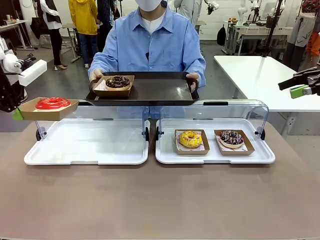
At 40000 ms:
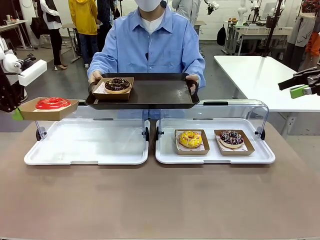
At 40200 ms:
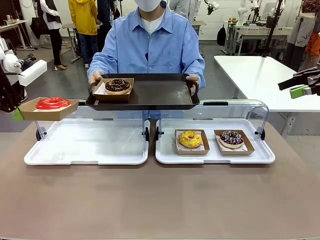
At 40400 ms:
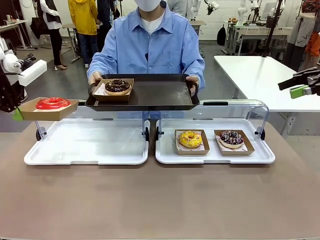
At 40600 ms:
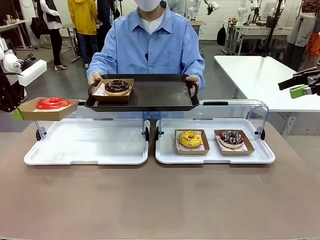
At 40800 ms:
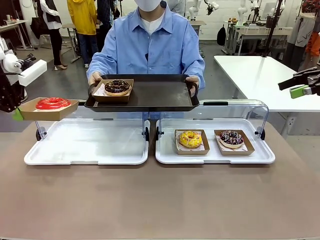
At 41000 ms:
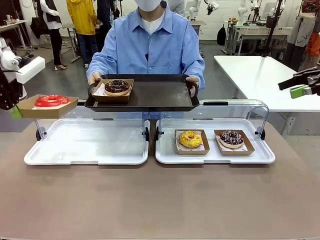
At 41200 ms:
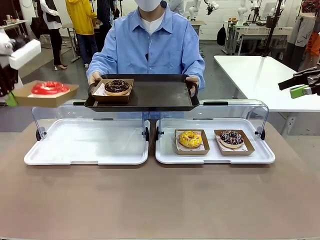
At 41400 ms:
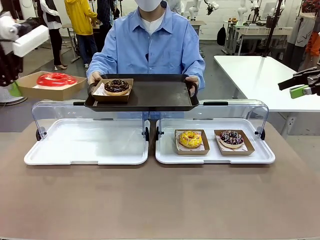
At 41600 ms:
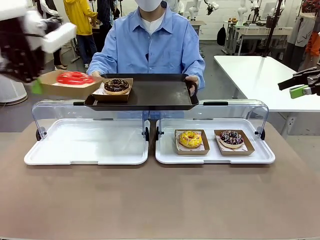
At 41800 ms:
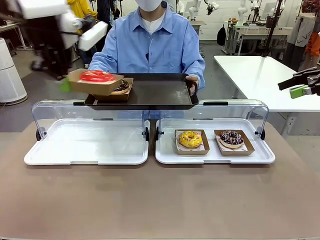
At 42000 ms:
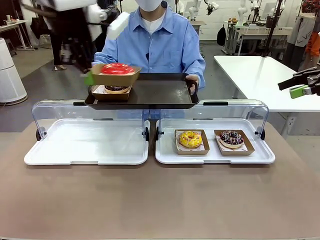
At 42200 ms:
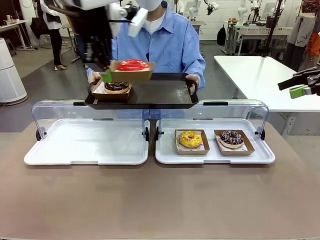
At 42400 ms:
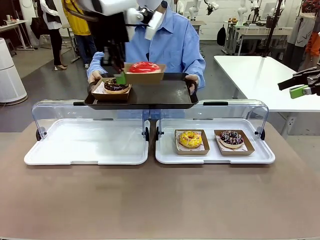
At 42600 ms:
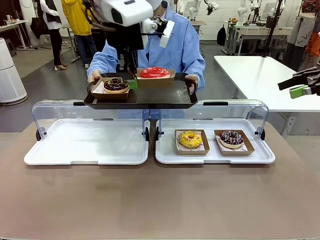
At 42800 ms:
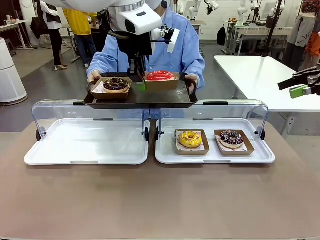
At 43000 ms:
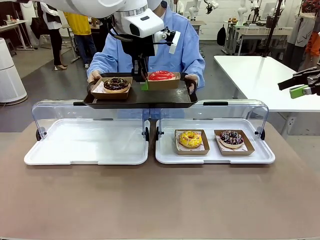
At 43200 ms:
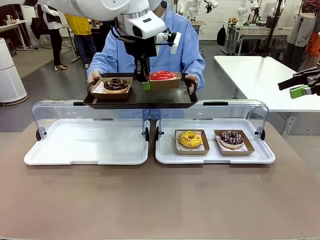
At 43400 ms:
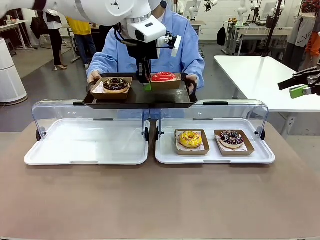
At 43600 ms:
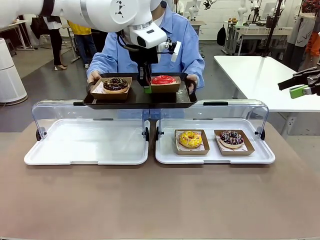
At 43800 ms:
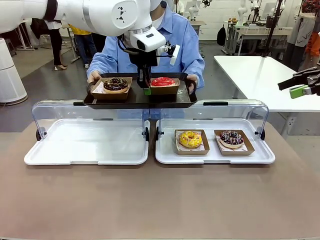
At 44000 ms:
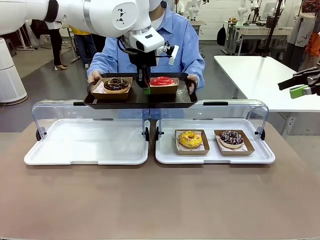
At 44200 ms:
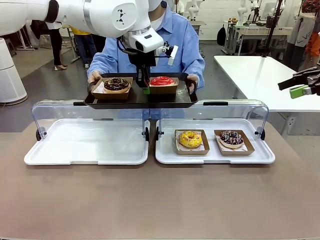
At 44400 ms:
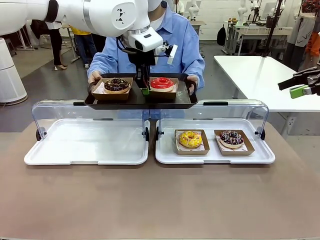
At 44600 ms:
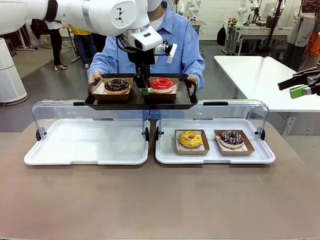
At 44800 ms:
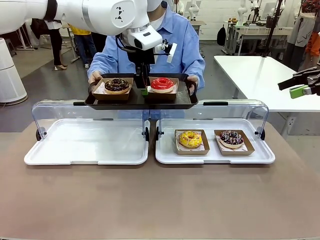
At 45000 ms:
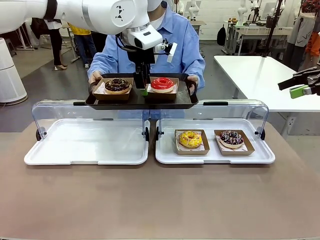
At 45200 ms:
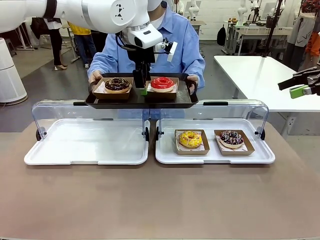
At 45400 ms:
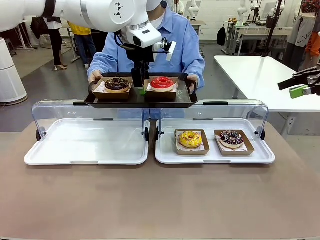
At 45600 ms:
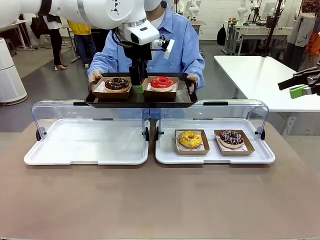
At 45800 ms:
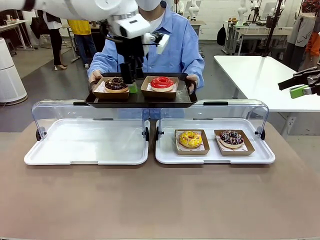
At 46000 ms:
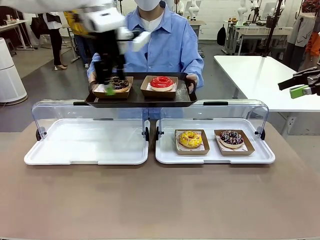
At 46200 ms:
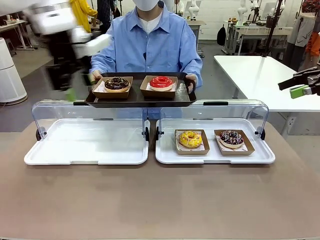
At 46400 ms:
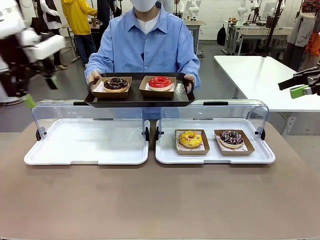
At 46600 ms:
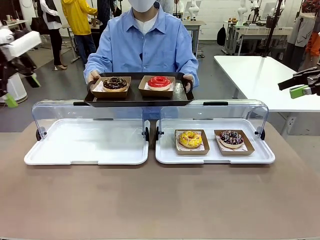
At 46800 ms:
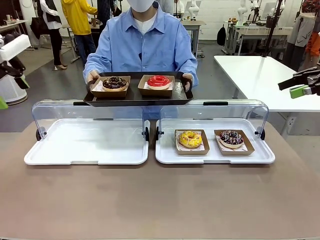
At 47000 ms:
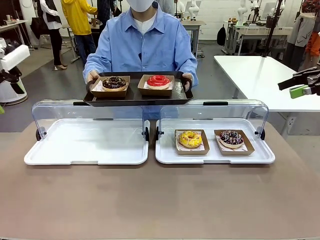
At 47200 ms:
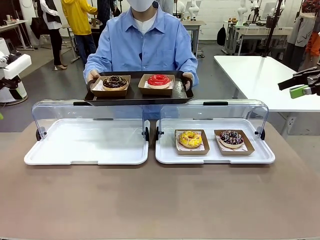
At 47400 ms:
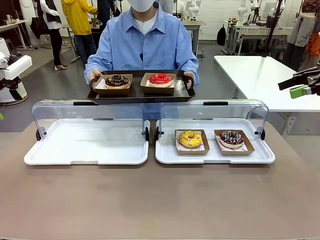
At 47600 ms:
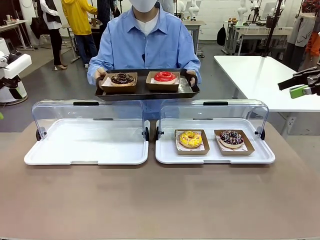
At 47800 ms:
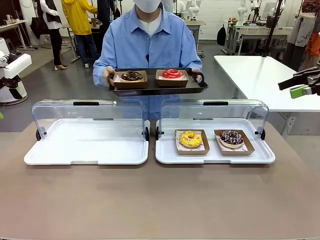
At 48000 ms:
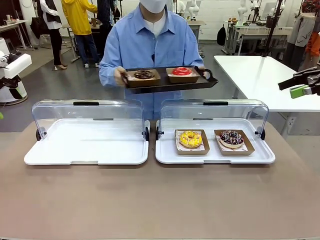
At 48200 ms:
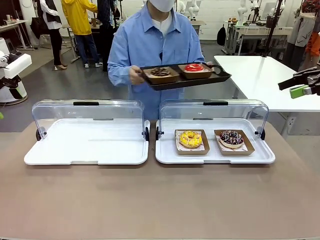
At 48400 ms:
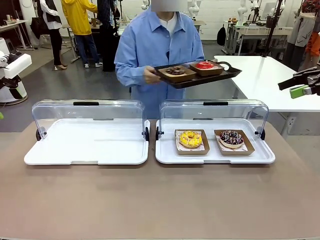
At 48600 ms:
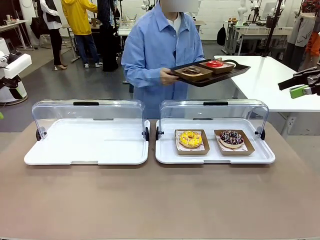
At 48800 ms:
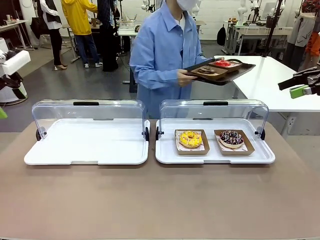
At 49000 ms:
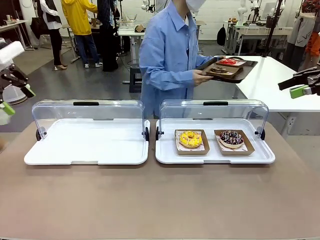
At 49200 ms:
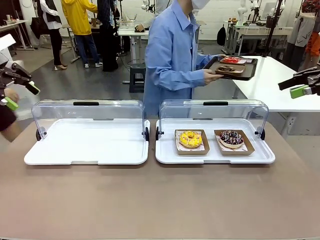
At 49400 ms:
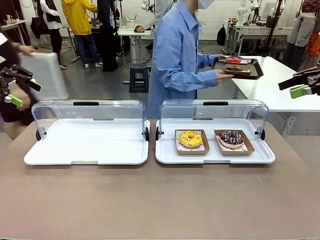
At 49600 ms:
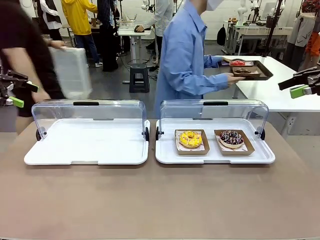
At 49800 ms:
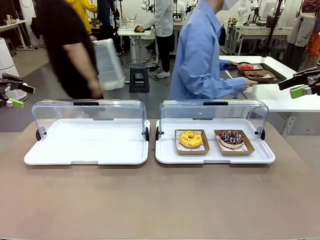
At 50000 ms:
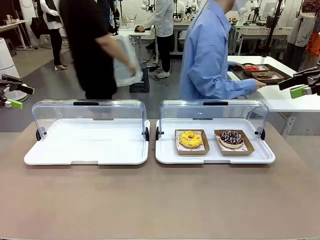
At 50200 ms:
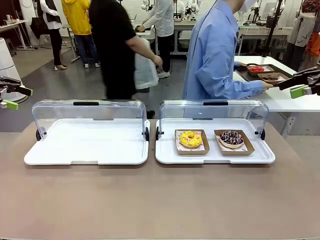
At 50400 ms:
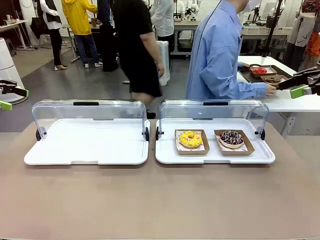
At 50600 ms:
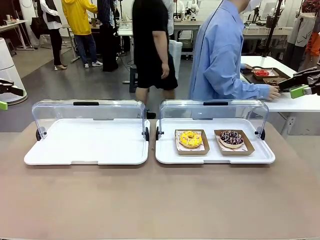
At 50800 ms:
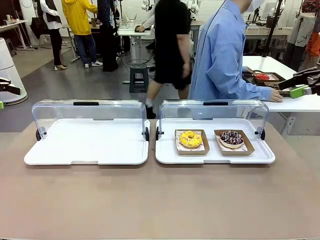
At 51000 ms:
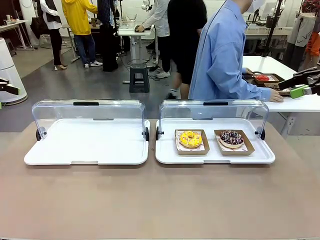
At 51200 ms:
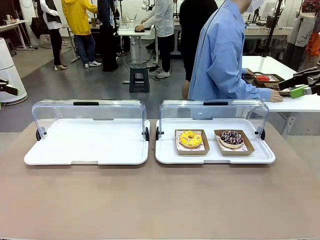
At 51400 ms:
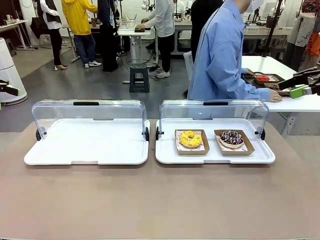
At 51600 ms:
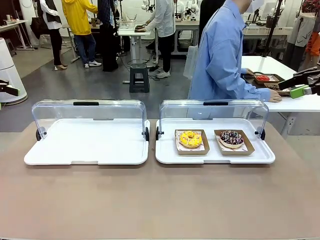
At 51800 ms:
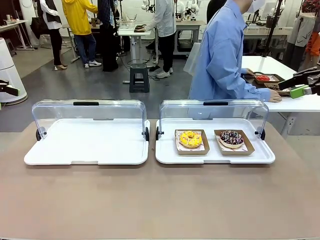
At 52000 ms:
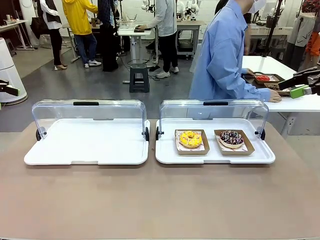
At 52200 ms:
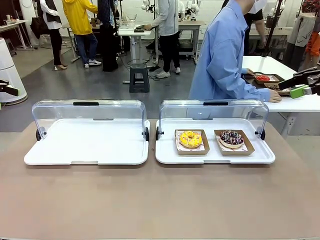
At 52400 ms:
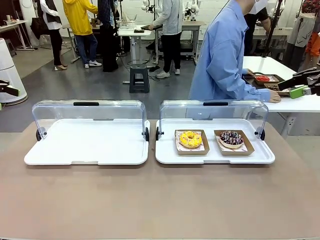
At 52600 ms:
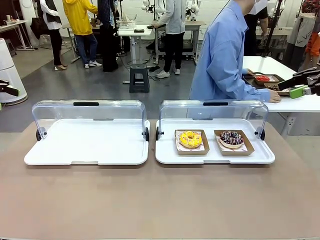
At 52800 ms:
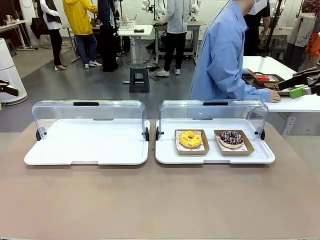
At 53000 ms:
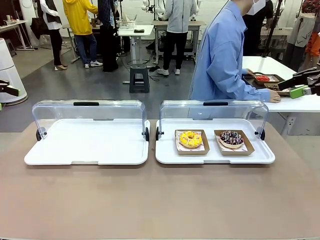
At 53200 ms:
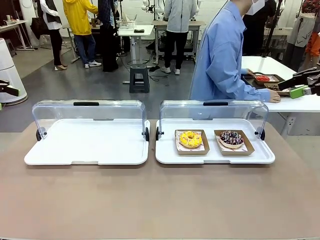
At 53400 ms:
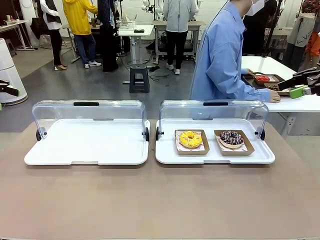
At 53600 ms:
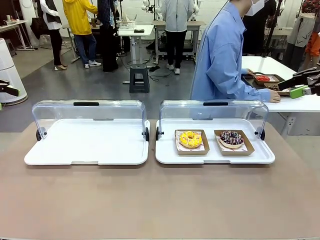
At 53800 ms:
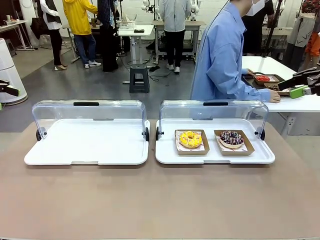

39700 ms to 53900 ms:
Task: Provide the desired donut to the person.
Robot: Place the picked Paper togo box onto the Handle tray extended by the person.
Person: Place the tray in the middle of the human table.

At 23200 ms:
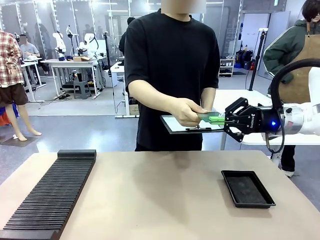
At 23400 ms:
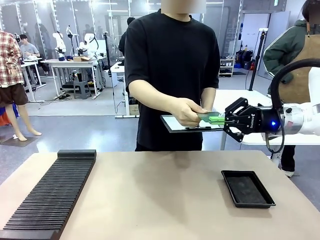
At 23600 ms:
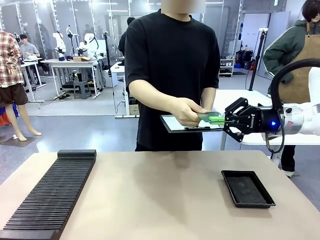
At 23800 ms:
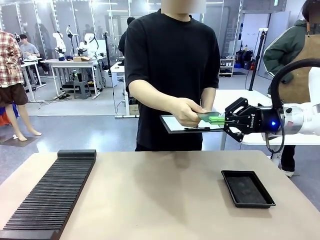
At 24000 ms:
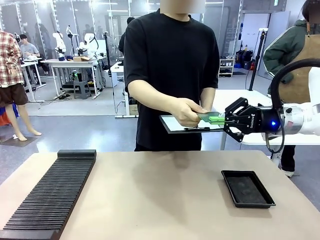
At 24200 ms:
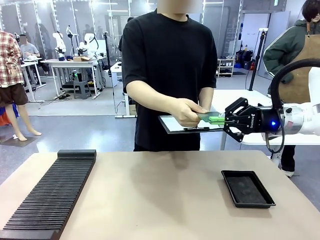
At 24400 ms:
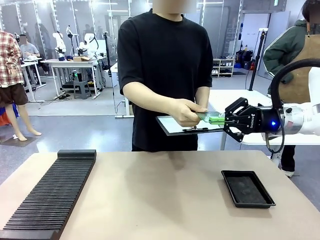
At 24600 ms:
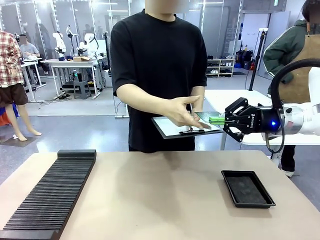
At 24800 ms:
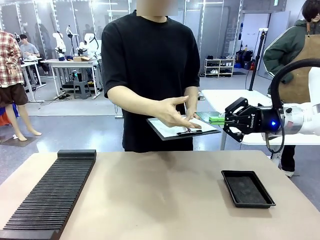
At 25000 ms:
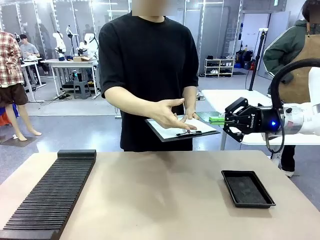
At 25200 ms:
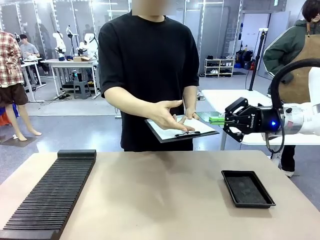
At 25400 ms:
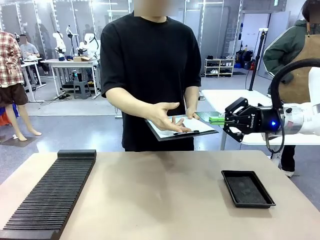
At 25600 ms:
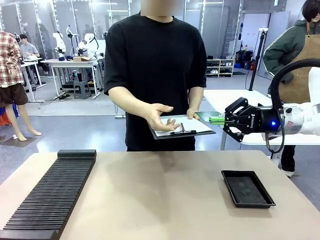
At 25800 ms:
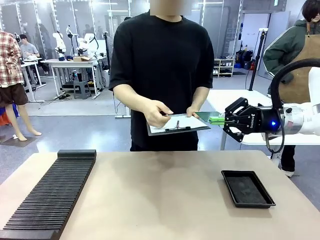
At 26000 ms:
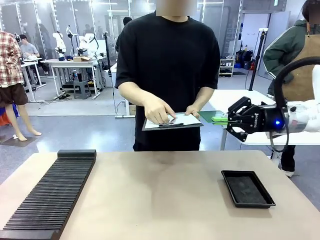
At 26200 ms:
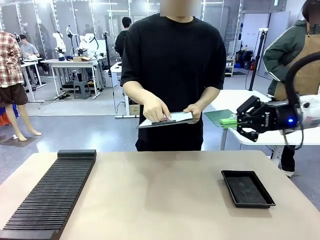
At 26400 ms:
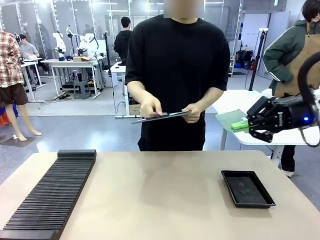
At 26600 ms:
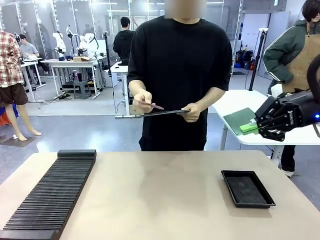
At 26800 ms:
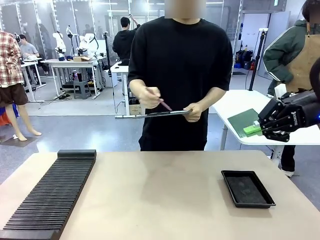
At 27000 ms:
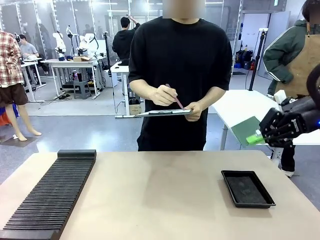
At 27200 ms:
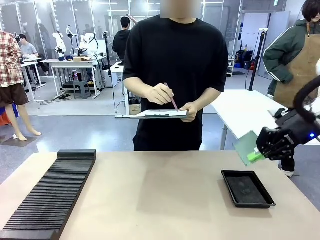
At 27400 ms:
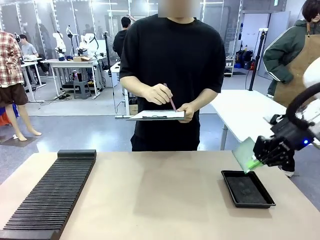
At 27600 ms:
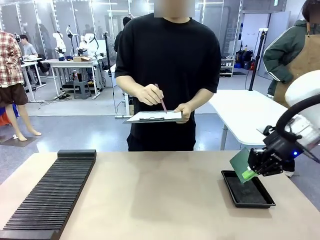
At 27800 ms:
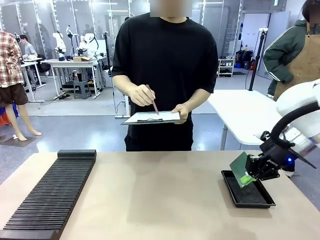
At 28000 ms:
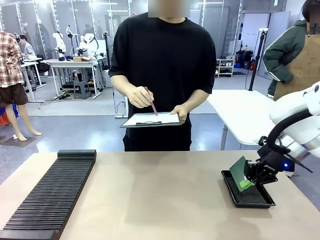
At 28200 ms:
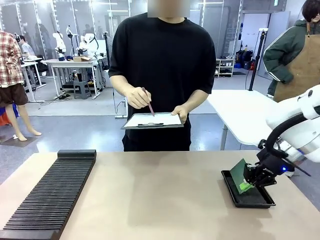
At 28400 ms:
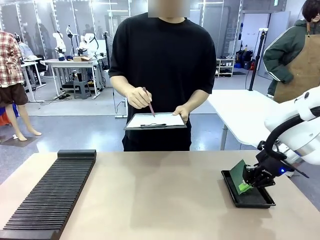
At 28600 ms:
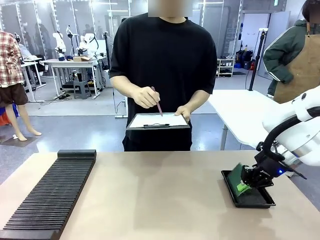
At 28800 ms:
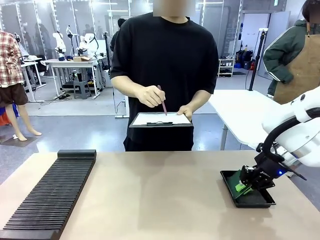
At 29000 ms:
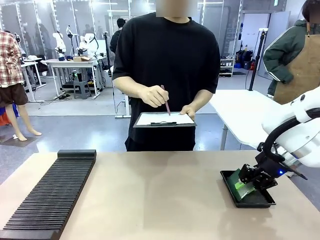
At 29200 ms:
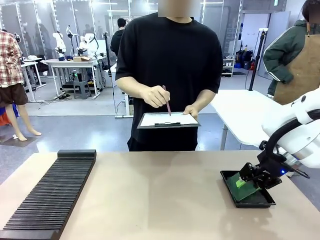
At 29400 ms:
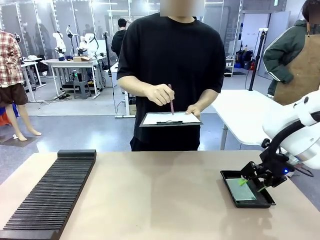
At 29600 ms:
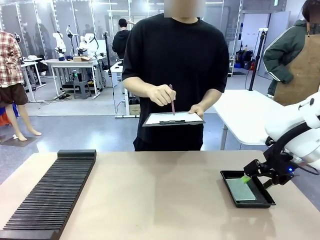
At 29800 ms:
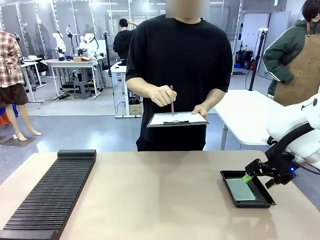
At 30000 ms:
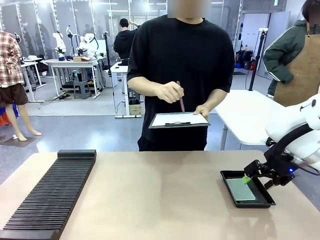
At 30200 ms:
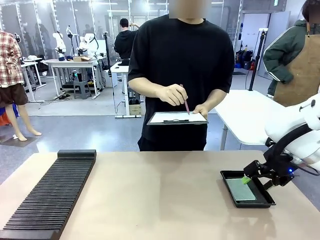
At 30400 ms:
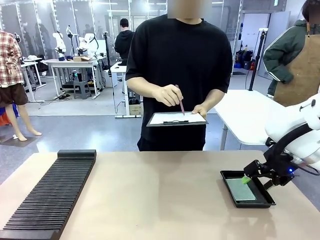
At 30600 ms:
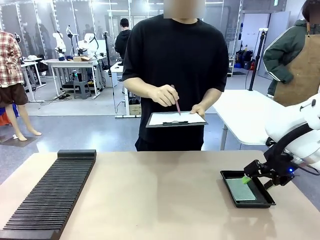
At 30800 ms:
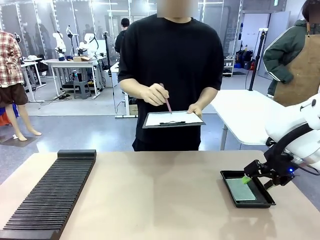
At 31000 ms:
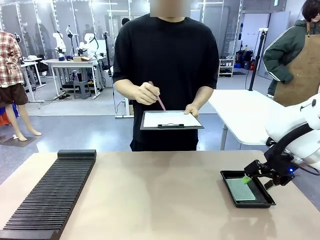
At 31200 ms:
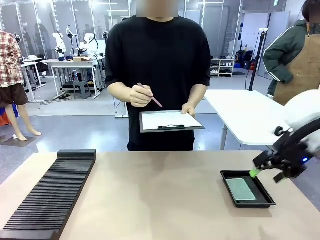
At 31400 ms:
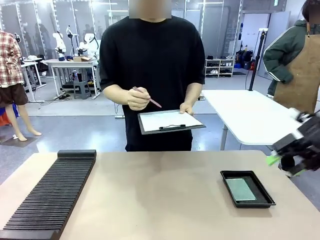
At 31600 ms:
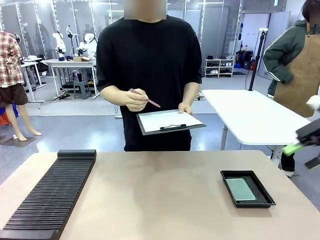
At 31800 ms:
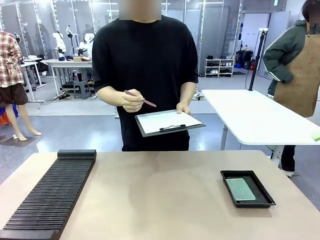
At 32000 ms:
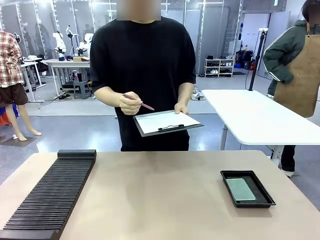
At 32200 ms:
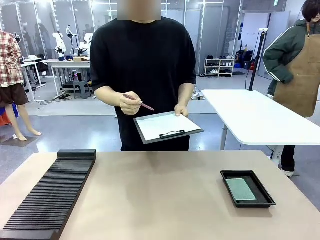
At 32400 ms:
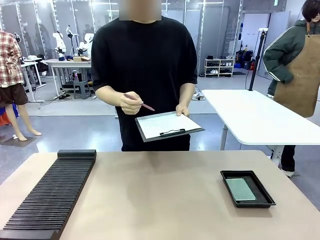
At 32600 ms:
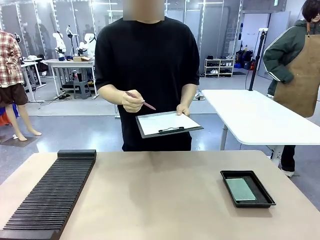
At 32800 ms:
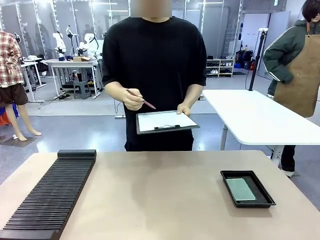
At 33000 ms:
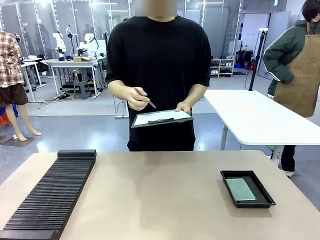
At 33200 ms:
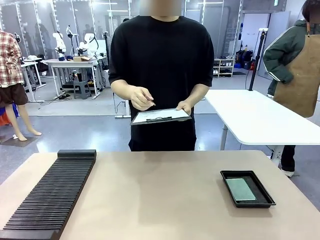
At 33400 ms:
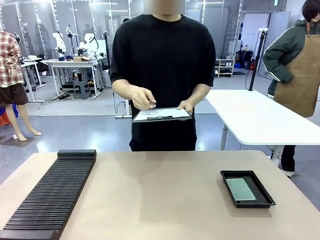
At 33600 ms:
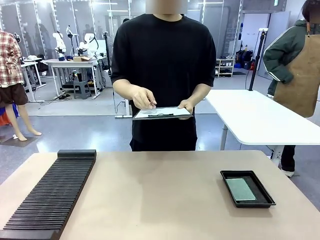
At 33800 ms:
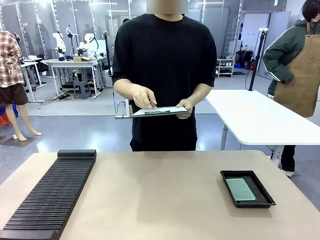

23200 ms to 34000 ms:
Task: Inspect the PCB.
Robot: Place the Blank PCB in the ESD tray.
Person: Record the PCB status on the paper.
